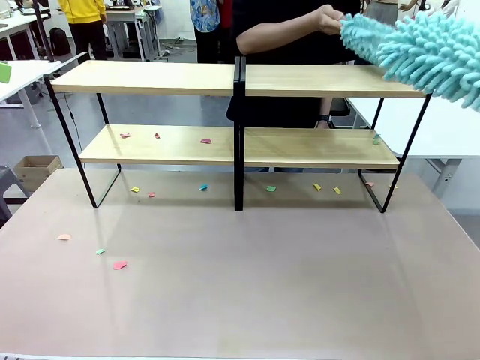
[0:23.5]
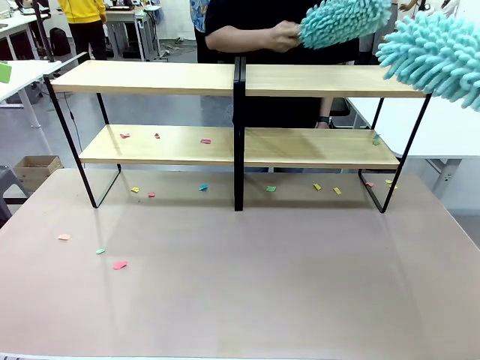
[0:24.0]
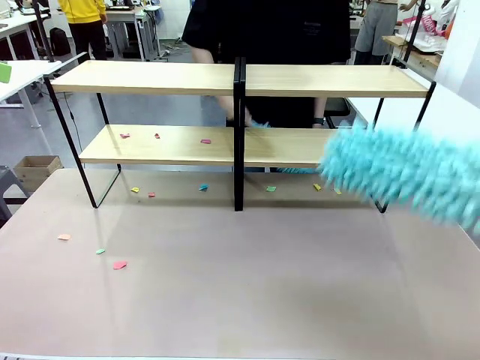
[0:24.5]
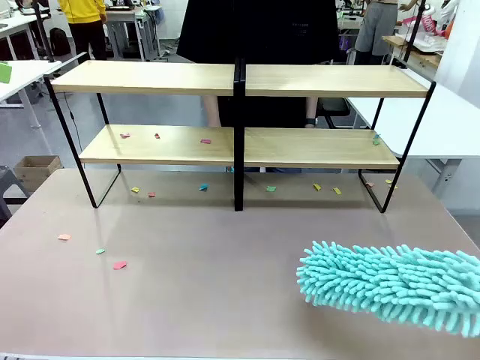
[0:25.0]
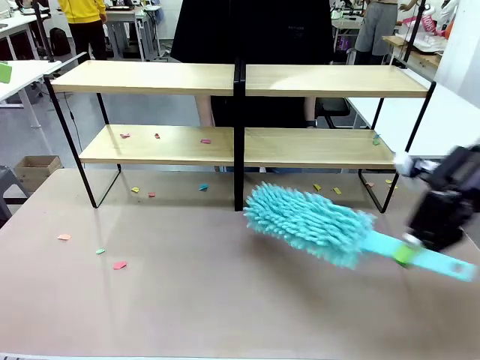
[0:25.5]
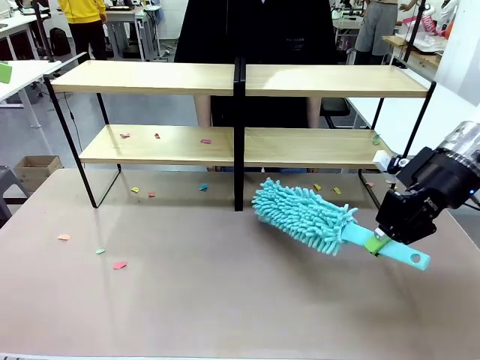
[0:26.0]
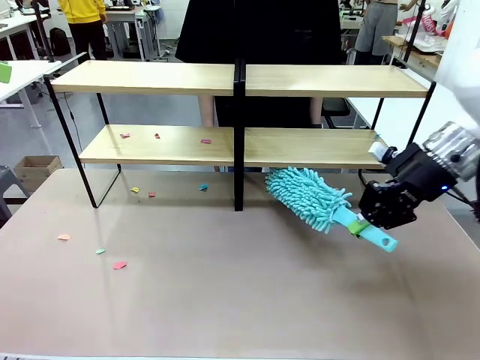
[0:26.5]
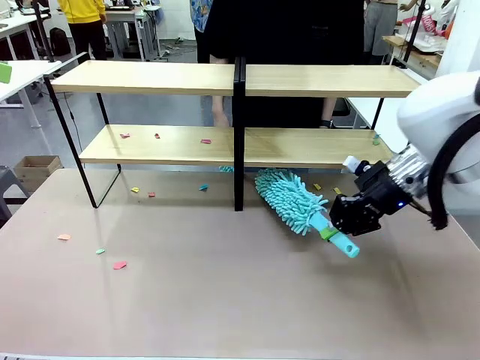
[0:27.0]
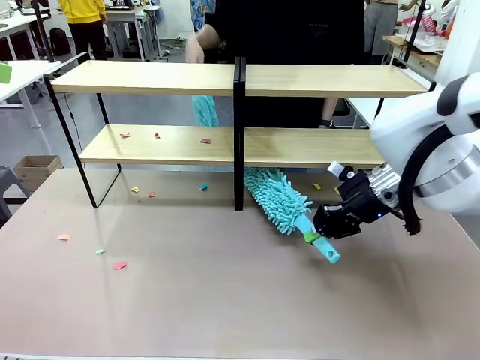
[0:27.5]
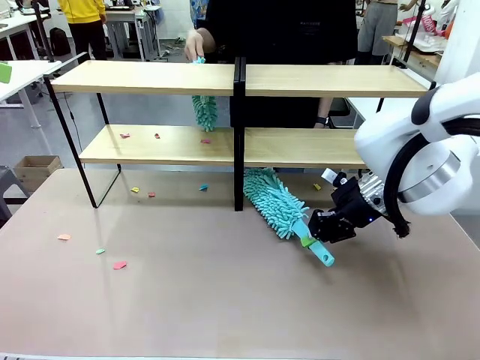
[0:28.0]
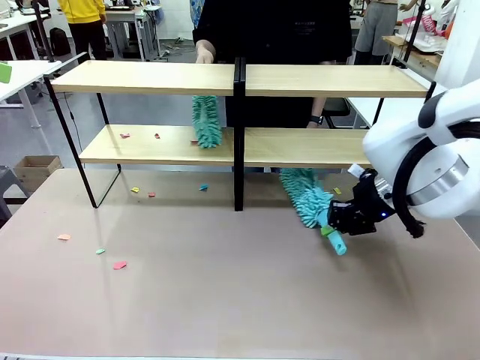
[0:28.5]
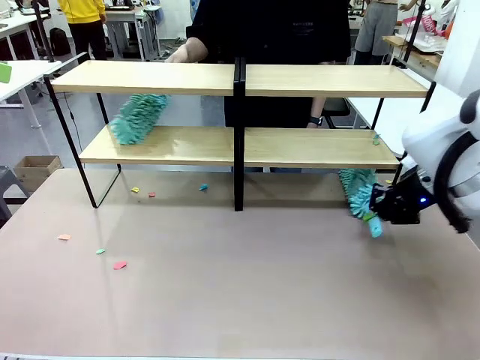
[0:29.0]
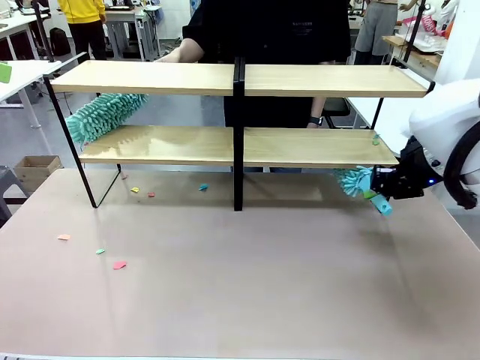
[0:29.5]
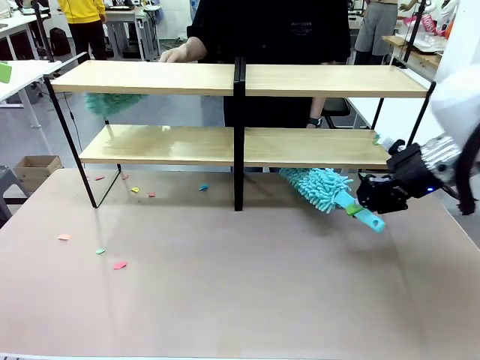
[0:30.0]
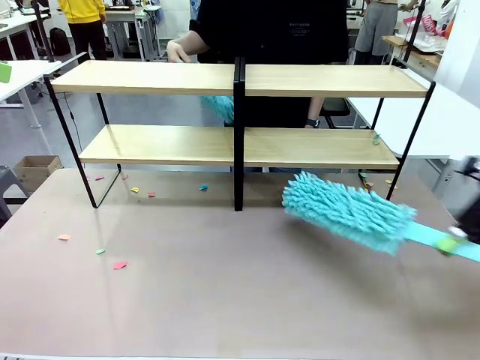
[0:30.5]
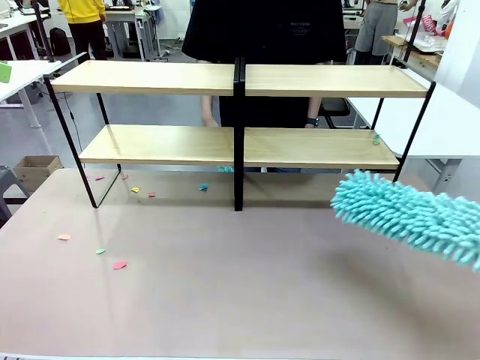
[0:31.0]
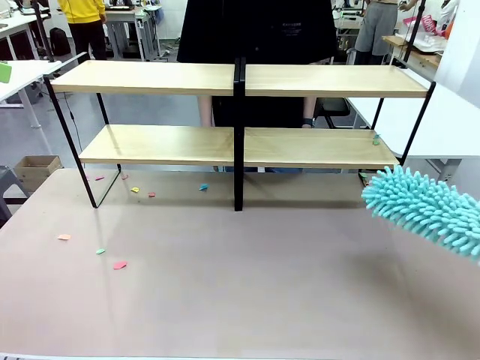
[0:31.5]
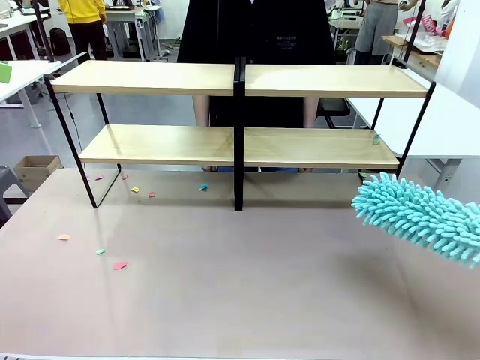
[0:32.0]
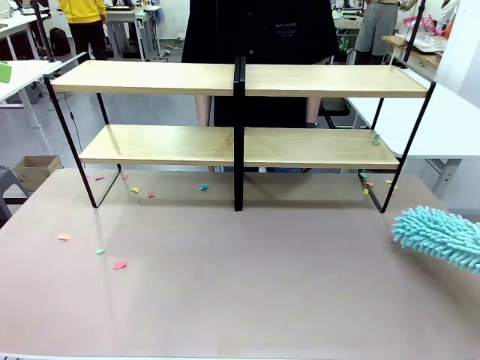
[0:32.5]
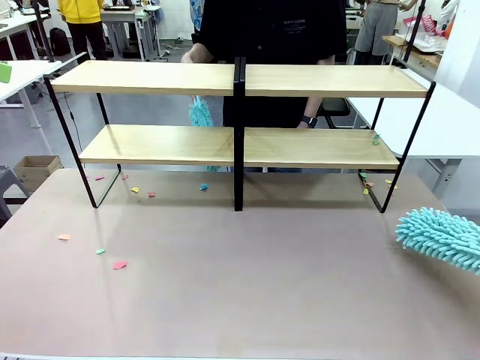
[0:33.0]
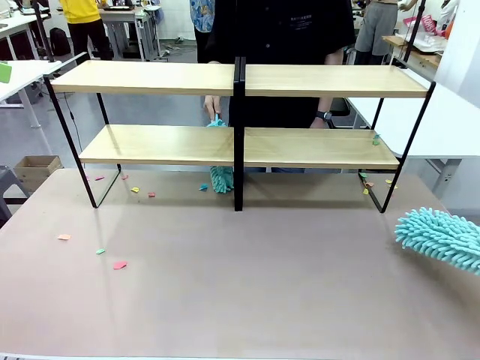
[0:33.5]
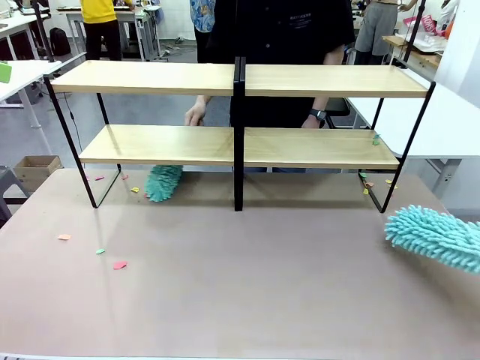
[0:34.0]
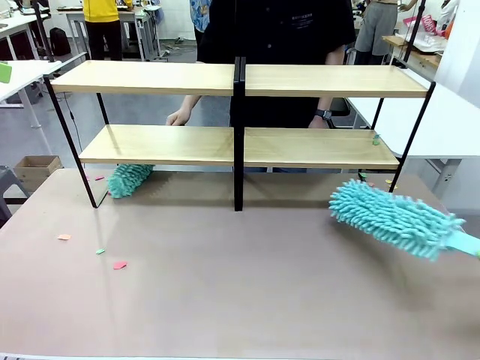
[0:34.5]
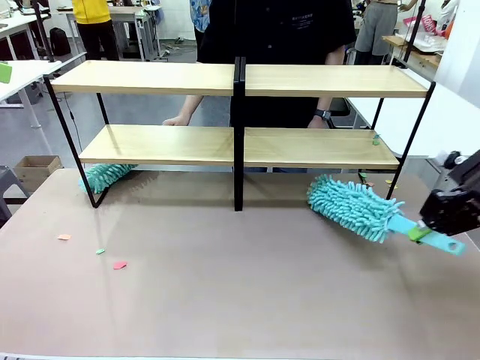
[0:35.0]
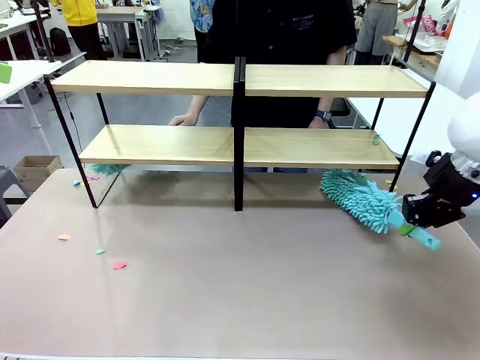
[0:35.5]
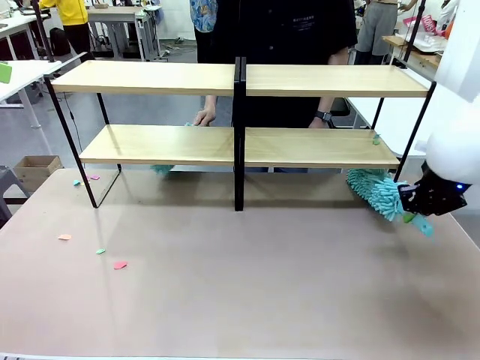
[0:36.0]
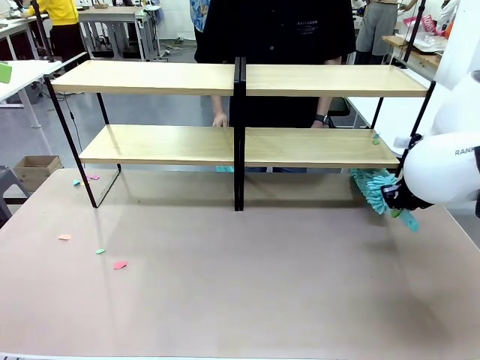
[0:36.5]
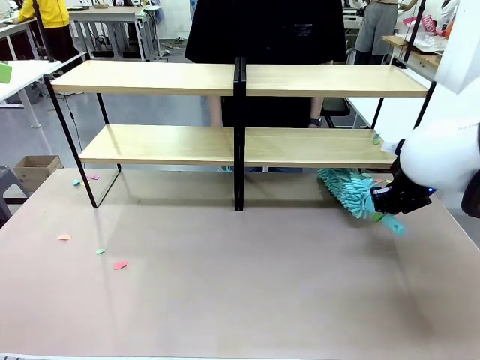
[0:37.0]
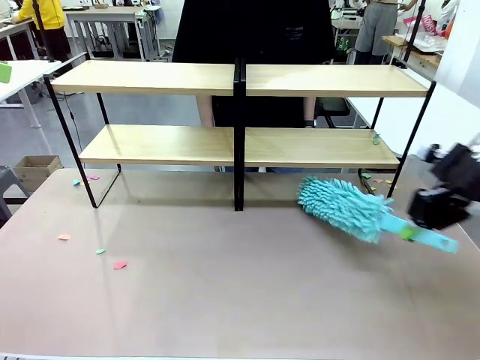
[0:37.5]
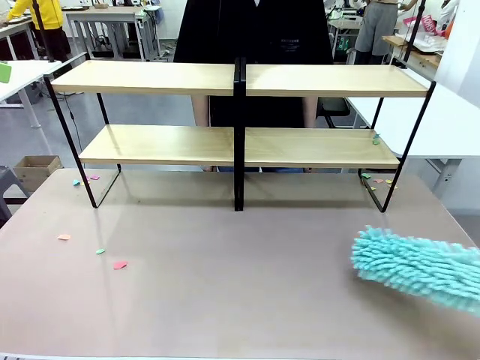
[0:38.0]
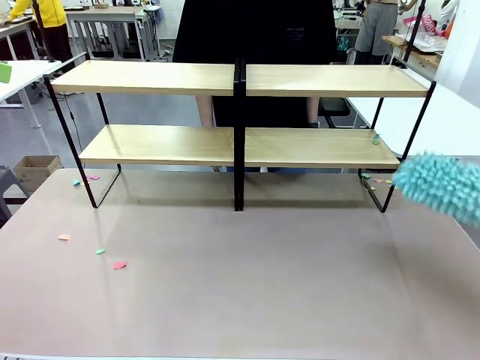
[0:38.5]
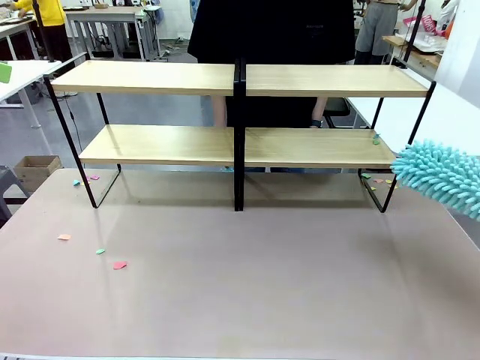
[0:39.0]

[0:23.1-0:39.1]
Task: Clean the shelves.
Robot: Clean another randomly selected level of the Shelf with the Duster.
Person: Clean a randomly selected level of the Shelf with the Duster.

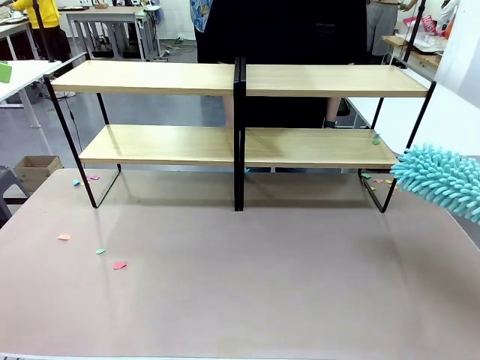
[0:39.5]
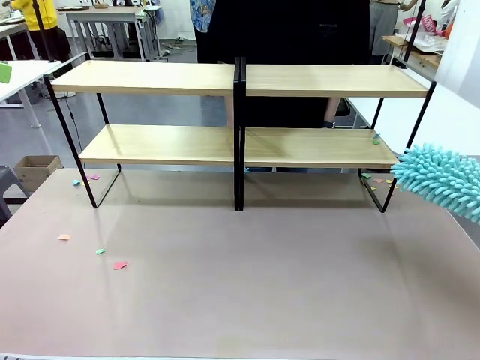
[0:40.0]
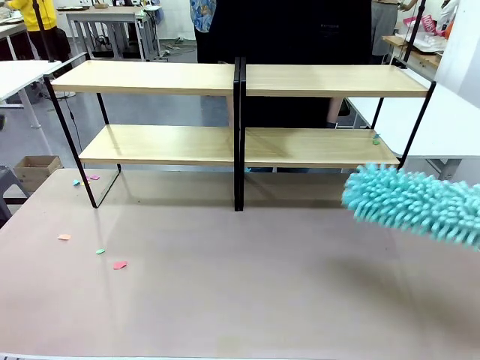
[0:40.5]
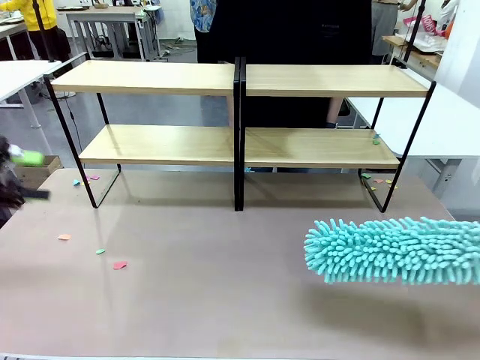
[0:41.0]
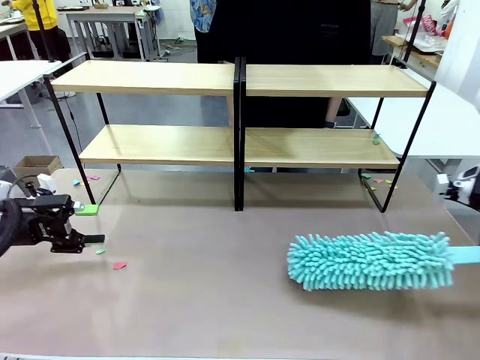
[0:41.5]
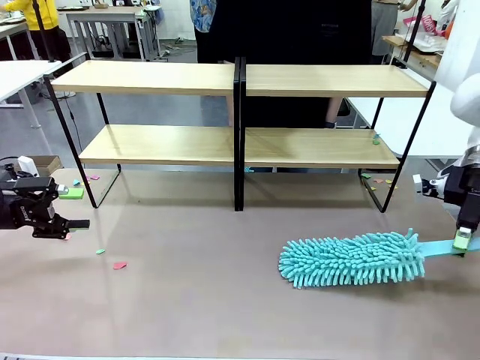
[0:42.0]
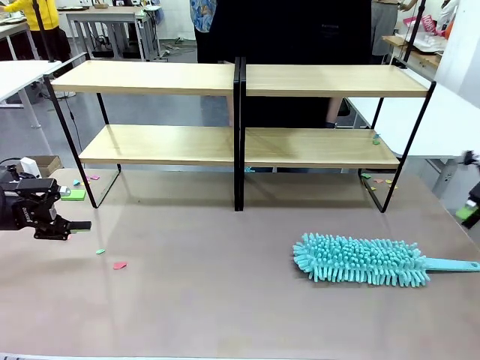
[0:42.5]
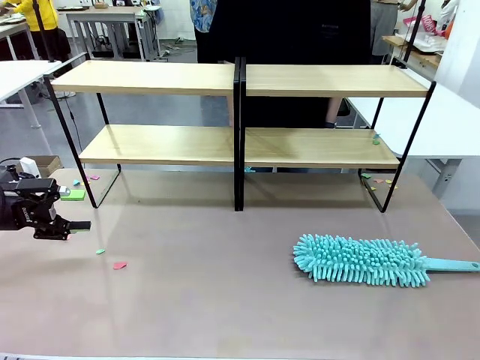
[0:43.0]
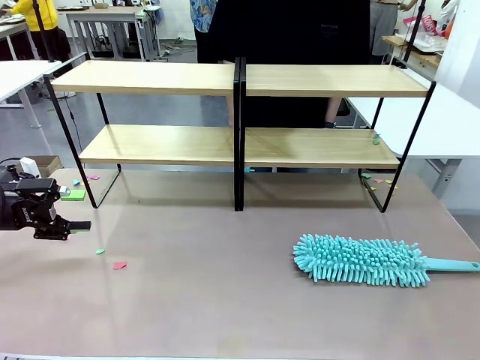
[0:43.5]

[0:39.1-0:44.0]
Robot: Place the Duster on the table.
